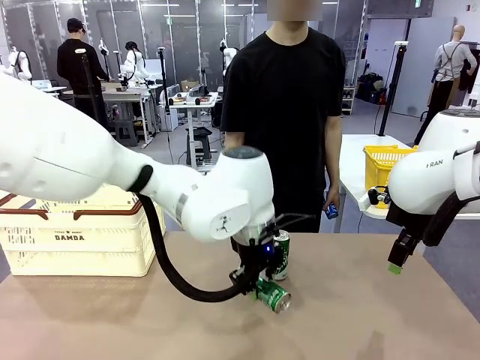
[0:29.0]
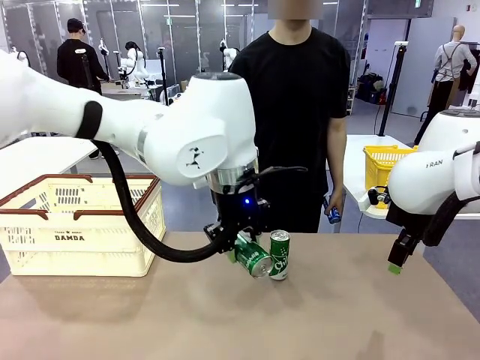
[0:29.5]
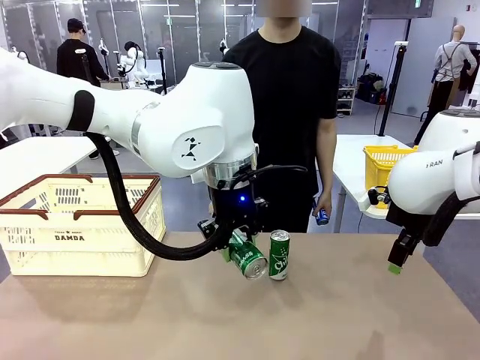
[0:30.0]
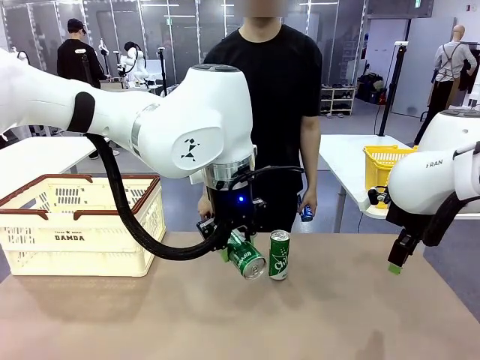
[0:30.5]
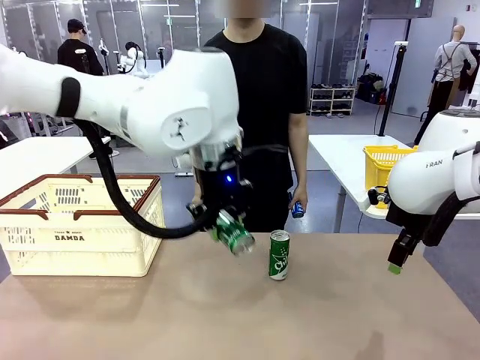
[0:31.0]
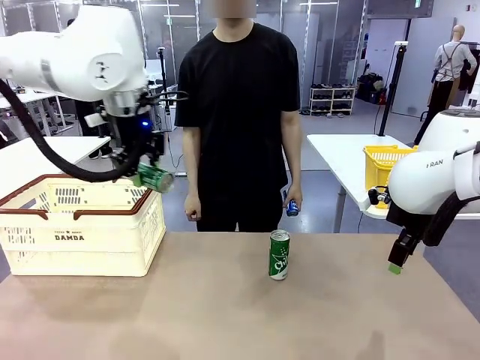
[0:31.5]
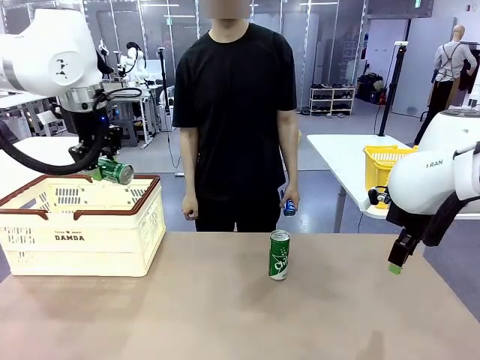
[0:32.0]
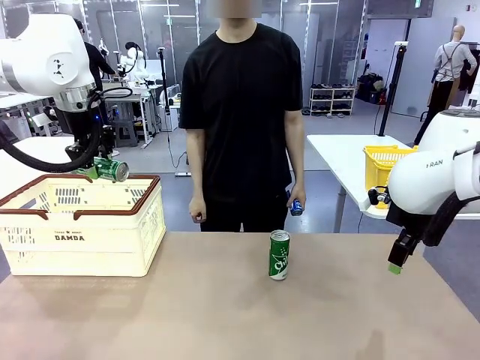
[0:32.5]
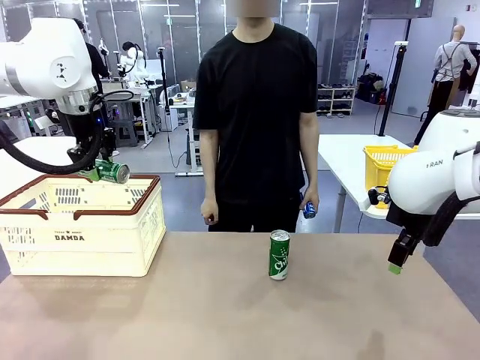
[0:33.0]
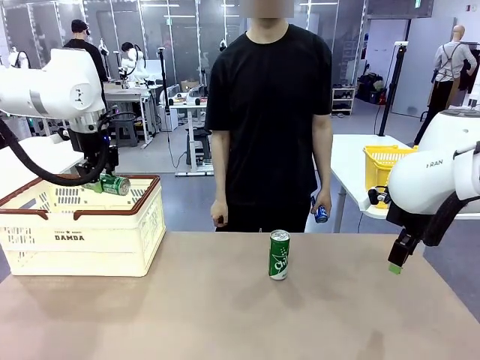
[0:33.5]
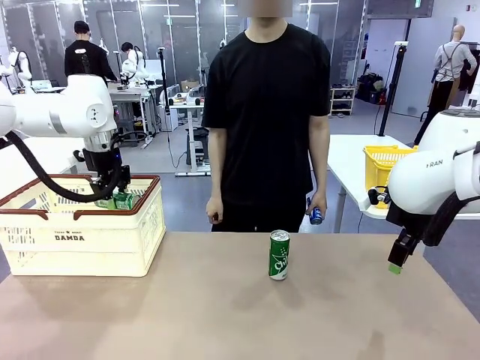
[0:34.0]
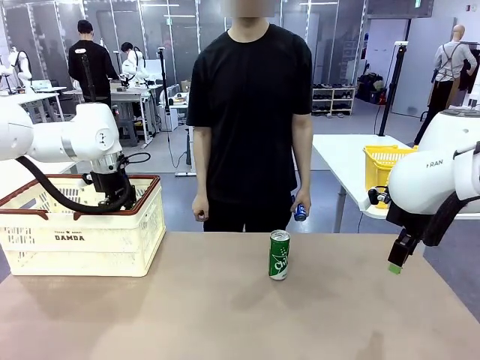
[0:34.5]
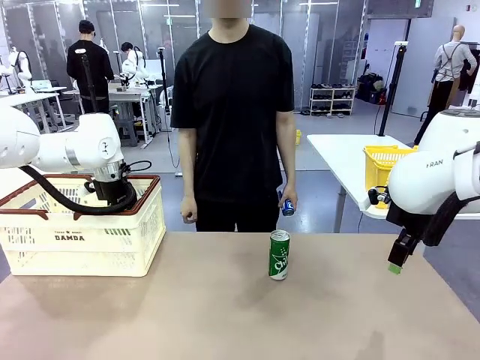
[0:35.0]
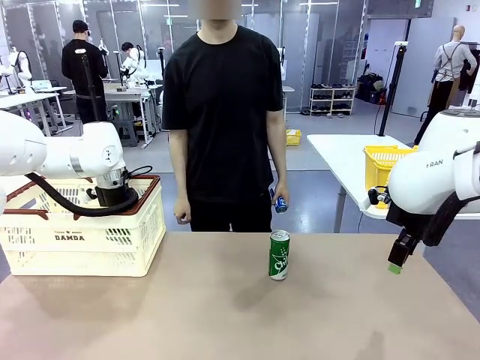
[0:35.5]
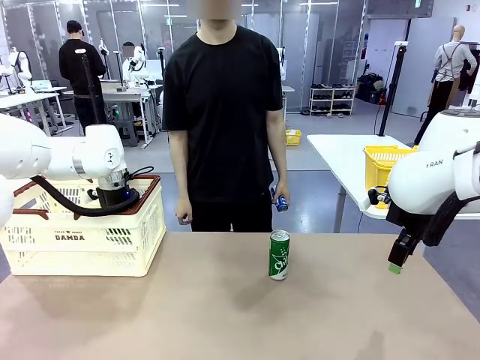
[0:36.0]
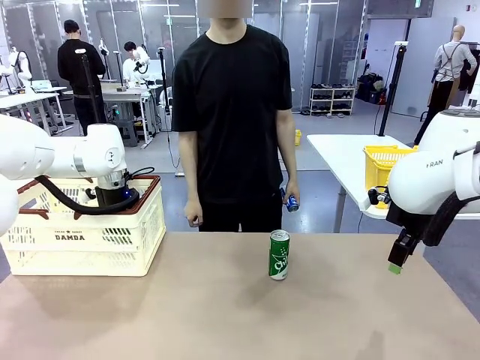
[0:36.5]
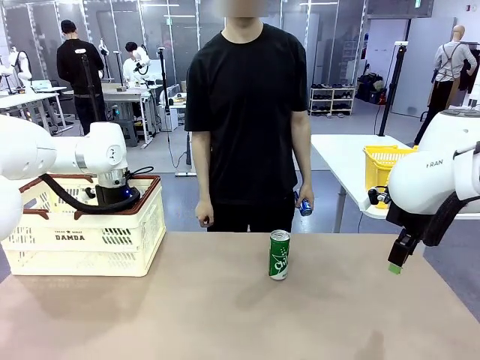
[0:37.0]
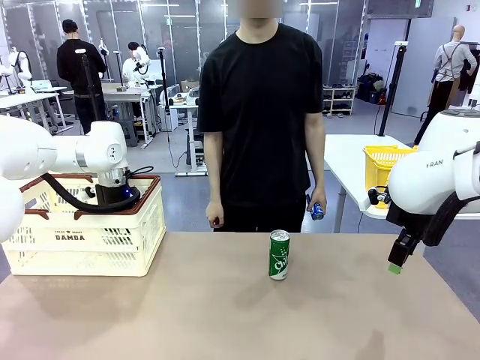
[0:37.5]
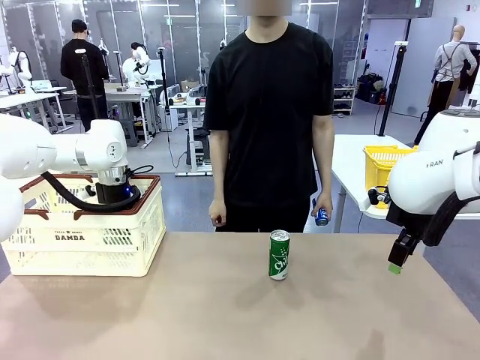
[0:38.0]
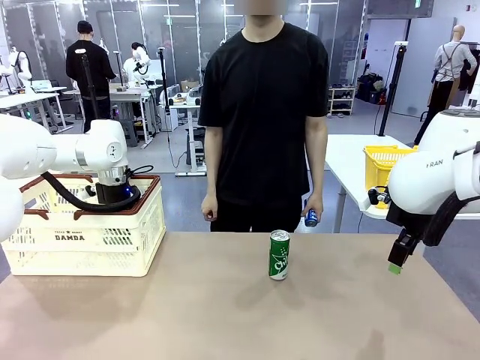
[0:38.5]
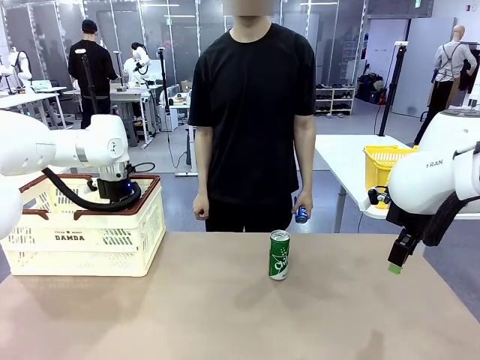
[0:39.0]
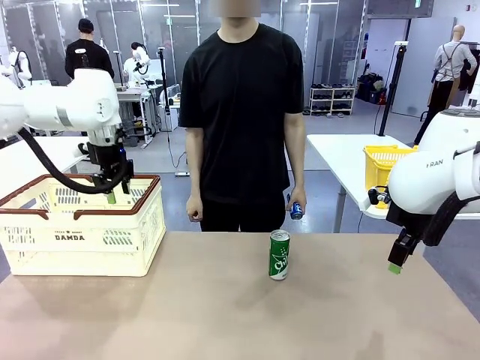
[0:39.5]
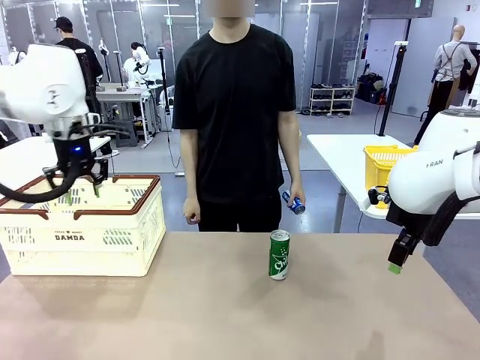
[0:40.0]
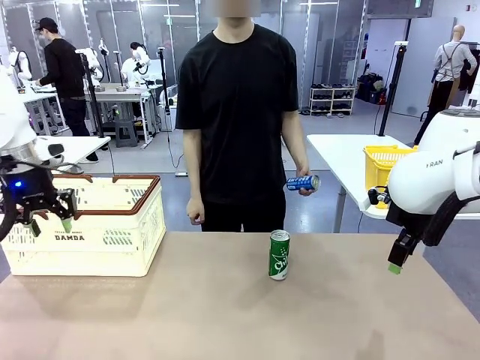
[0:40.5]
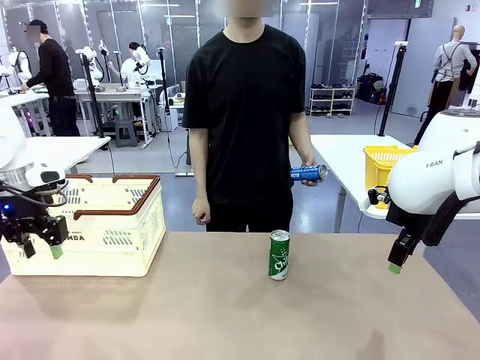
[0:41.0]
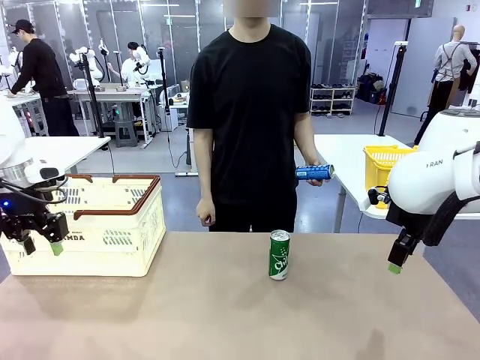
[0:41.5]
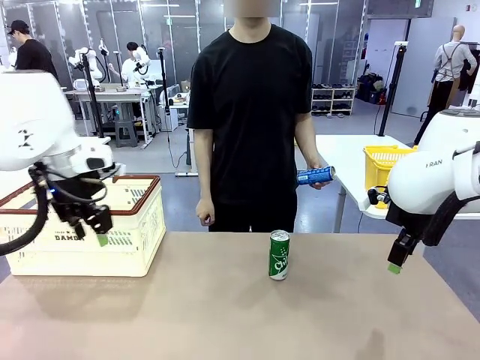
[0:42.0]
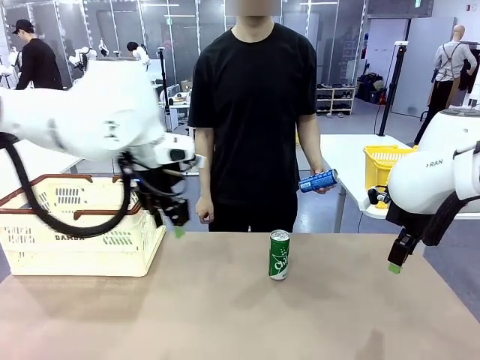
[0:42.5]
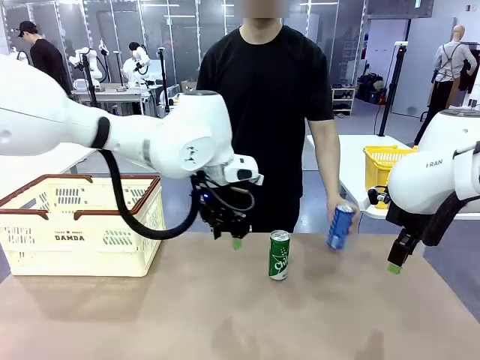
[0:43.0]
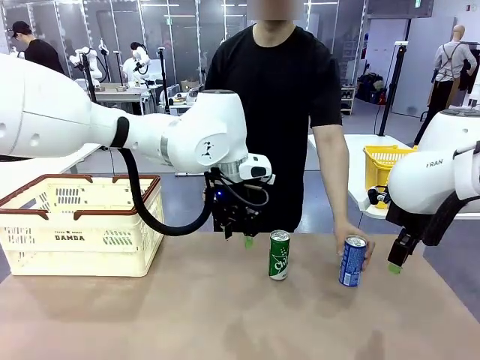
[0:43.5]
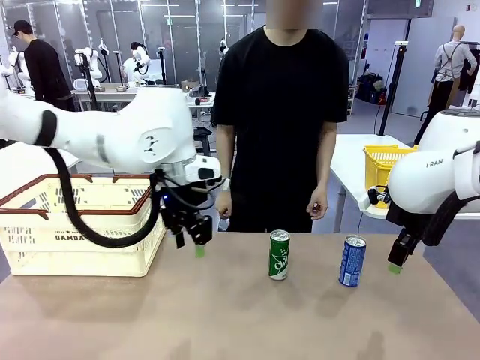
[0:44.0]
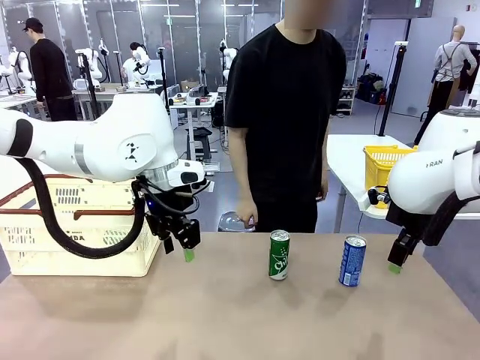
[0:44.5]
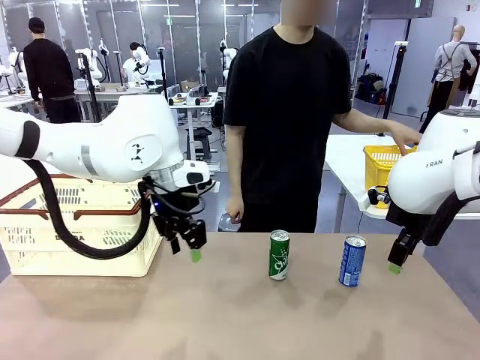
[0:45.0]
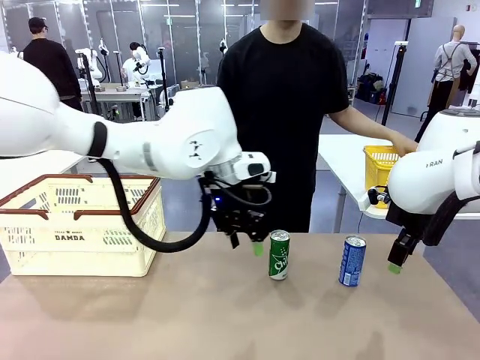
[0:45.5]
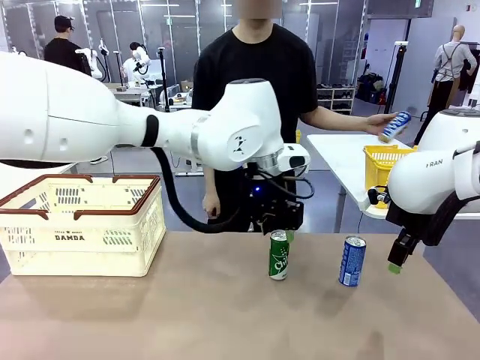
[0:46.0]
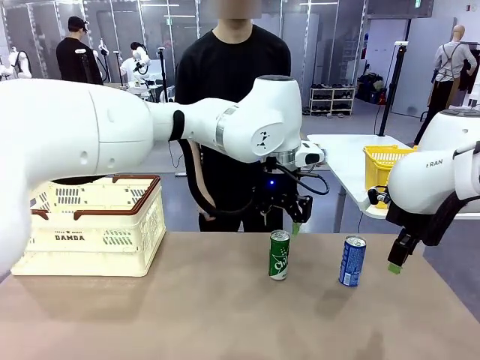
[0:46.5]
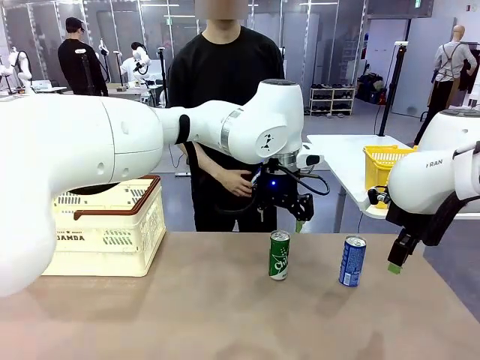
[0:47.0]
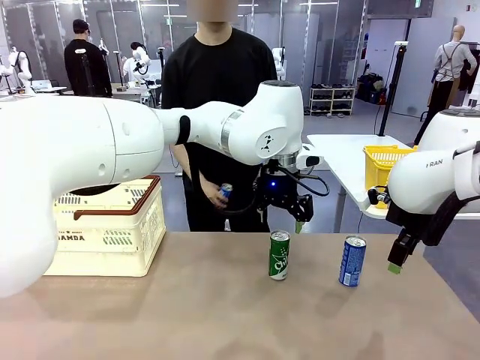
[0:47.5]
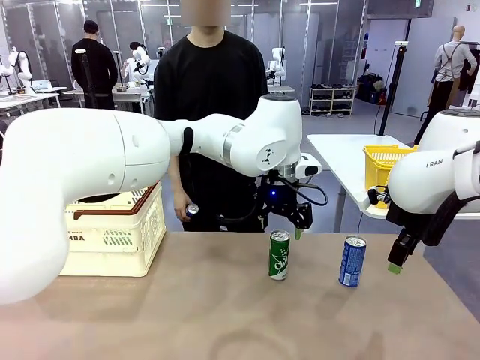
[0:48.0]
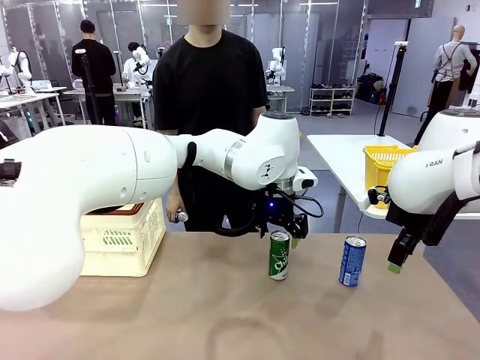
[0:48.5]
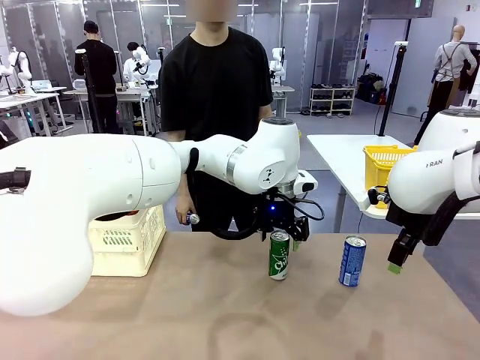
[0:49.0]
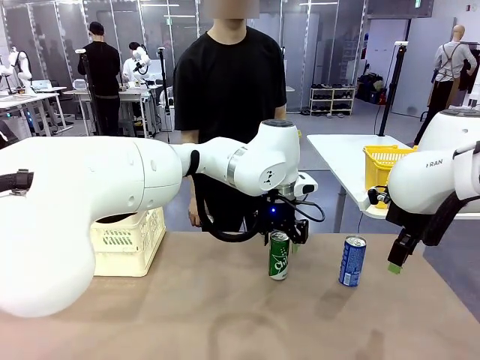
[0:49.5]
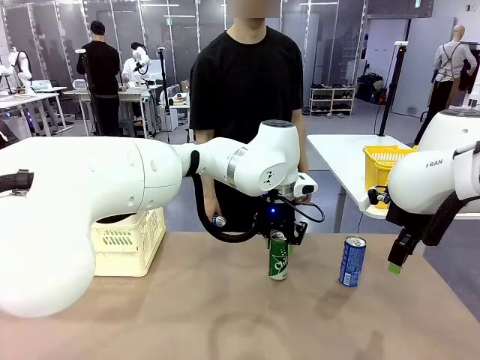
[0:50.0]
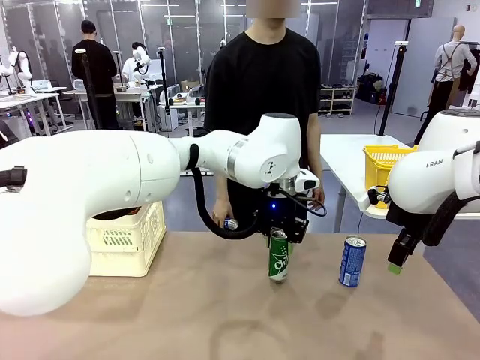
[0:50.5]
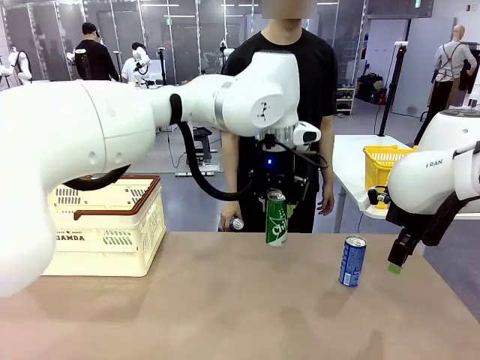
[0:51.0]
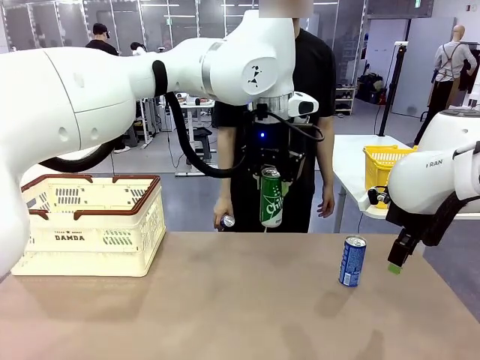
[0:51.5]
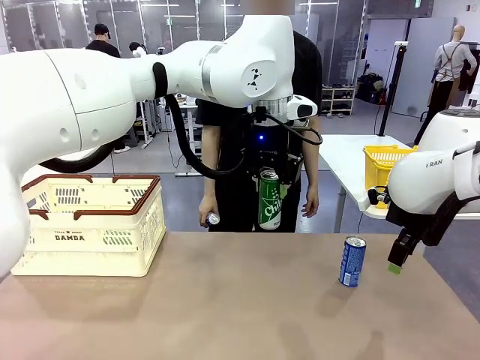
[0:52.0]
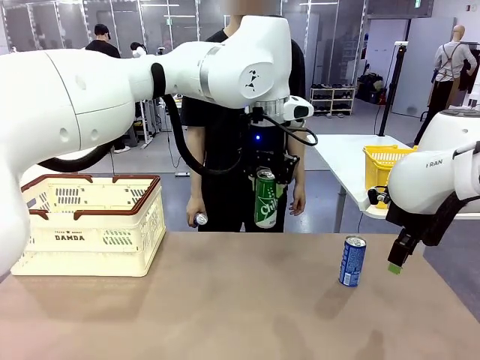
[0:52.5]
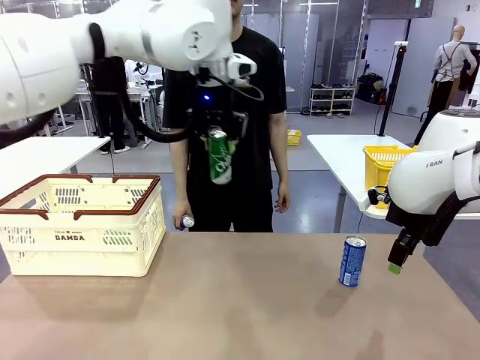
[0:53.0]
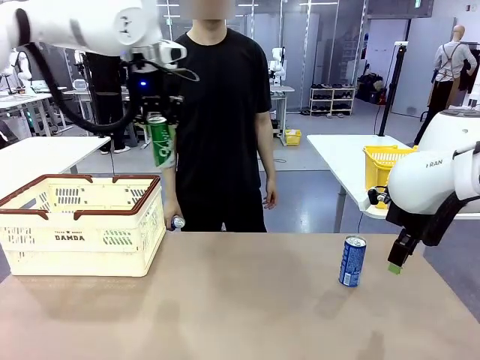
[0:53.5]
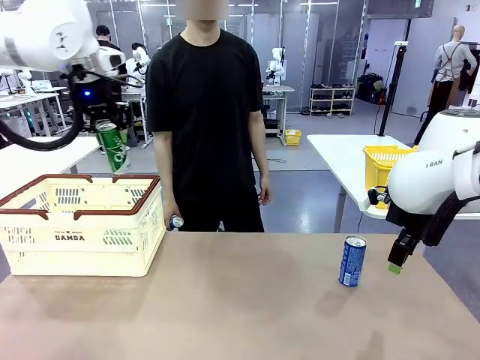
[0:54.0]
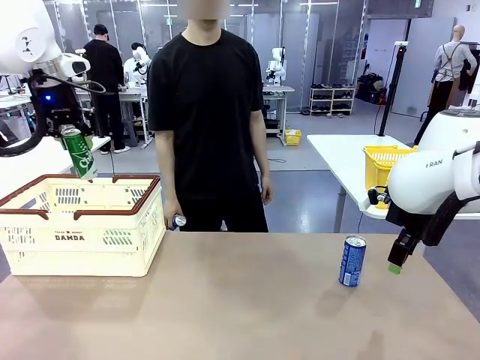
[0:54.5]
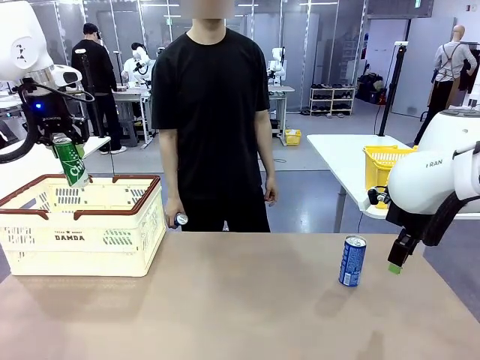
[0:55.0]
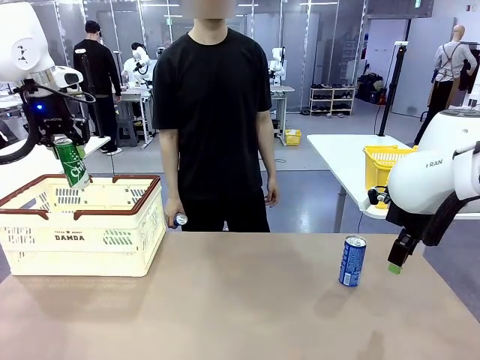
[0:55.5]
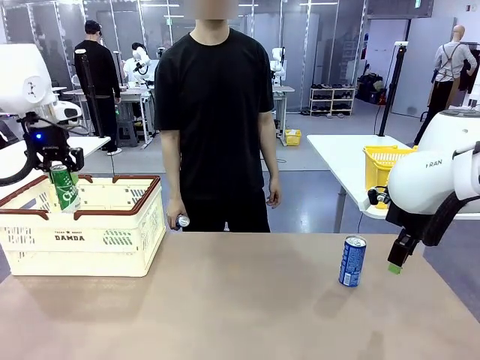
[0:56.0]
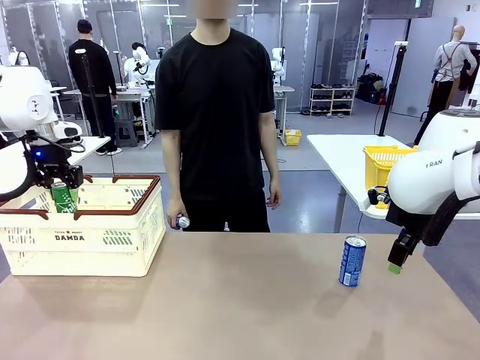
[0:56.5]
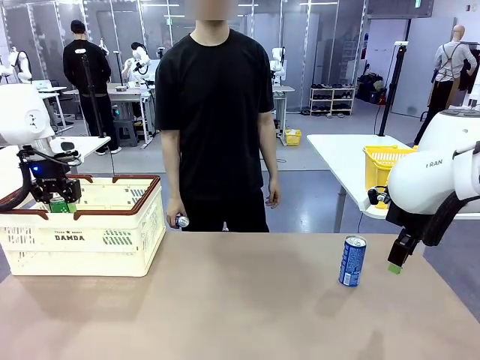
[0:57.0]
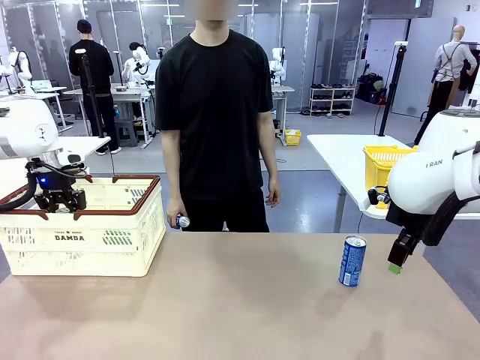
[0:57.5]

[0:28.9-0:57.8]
Task: Place the drinks into the Shopping basket.
Robot: Pick up one drink and place it into the Shopping basket.
